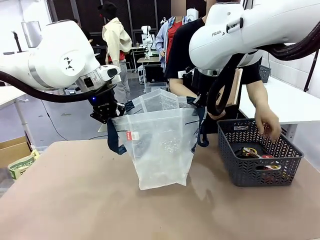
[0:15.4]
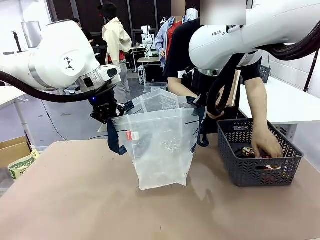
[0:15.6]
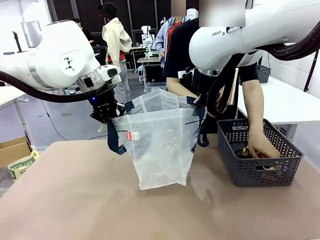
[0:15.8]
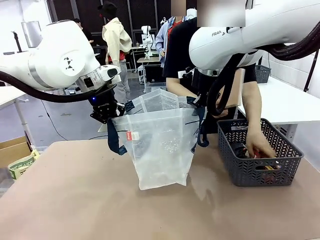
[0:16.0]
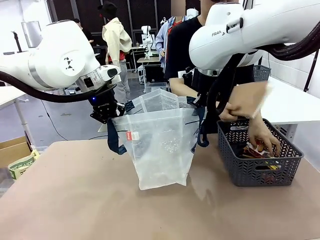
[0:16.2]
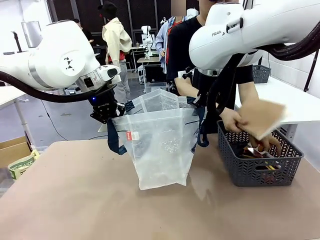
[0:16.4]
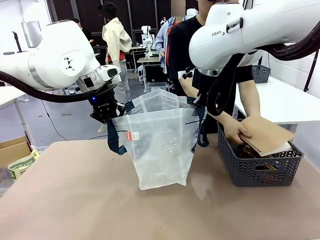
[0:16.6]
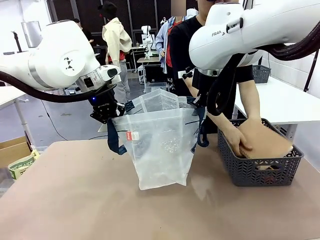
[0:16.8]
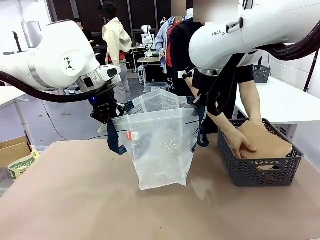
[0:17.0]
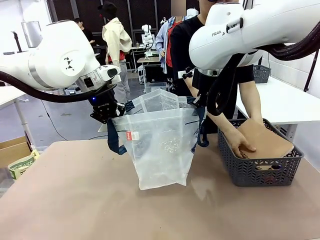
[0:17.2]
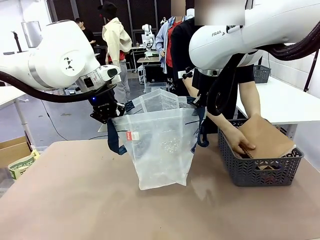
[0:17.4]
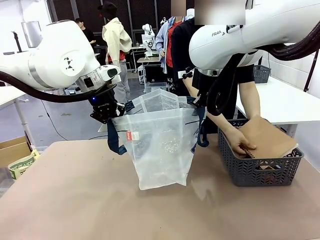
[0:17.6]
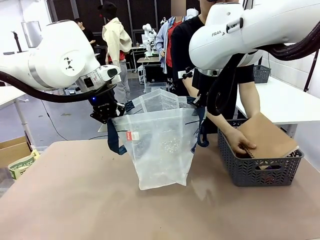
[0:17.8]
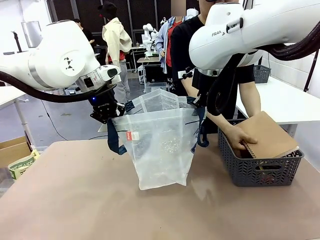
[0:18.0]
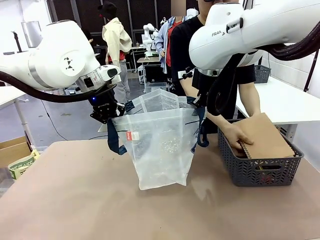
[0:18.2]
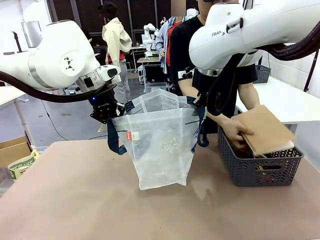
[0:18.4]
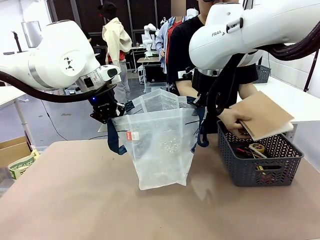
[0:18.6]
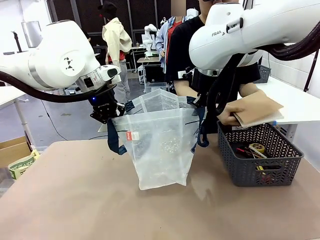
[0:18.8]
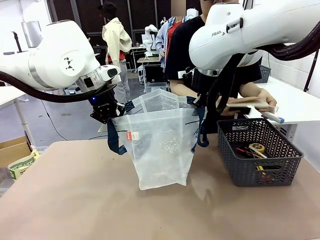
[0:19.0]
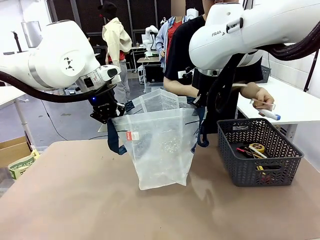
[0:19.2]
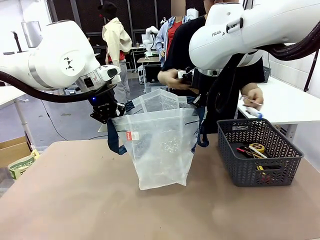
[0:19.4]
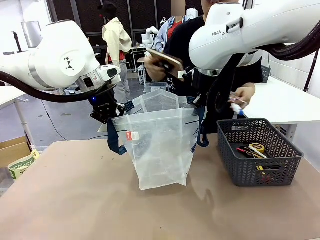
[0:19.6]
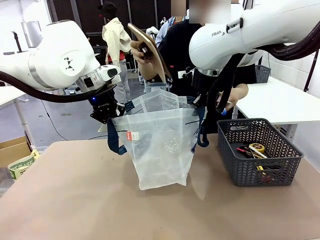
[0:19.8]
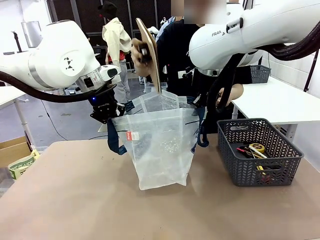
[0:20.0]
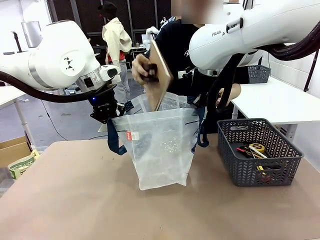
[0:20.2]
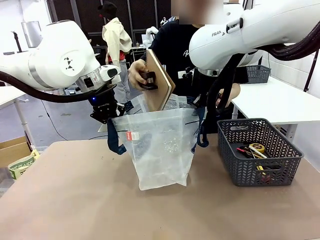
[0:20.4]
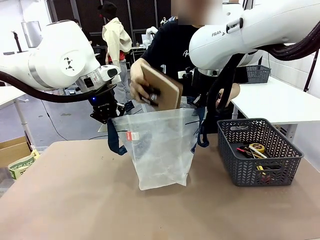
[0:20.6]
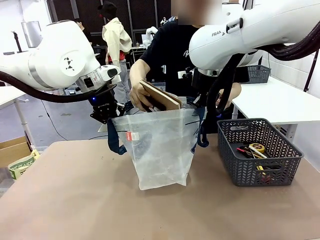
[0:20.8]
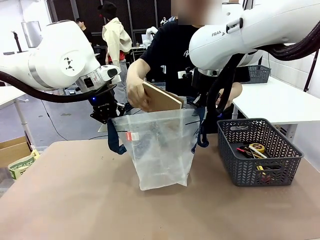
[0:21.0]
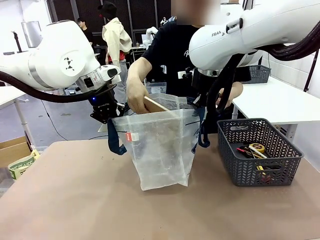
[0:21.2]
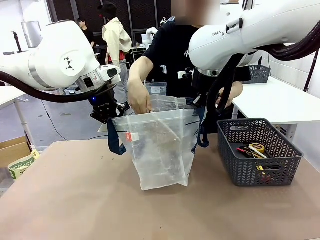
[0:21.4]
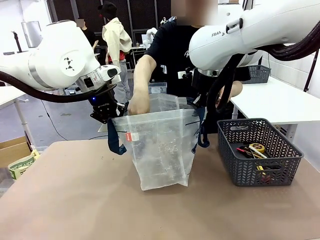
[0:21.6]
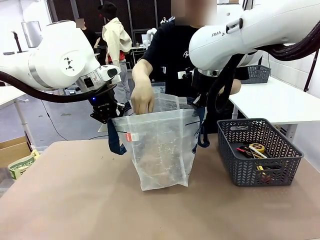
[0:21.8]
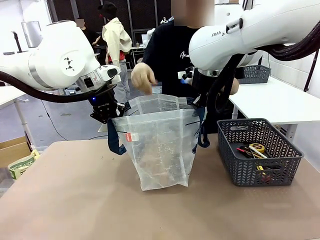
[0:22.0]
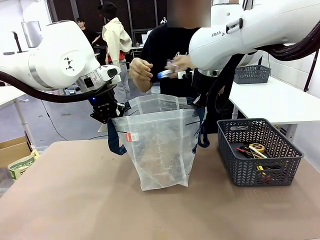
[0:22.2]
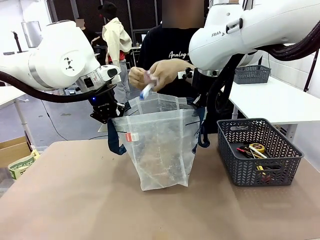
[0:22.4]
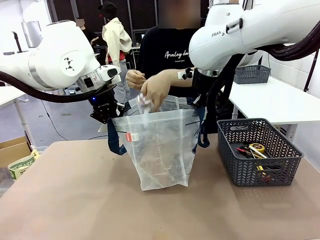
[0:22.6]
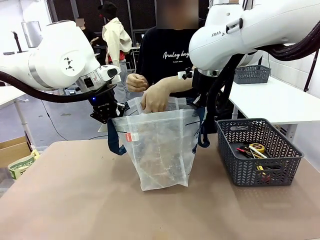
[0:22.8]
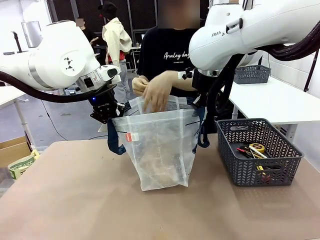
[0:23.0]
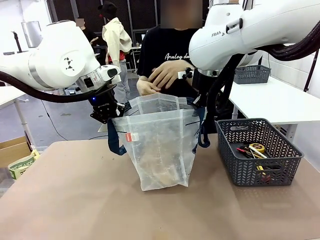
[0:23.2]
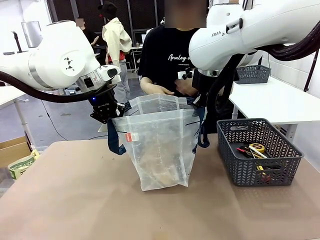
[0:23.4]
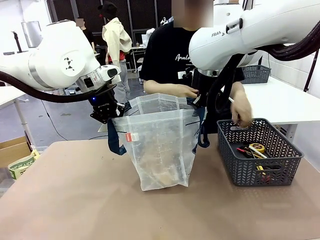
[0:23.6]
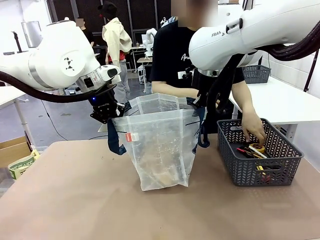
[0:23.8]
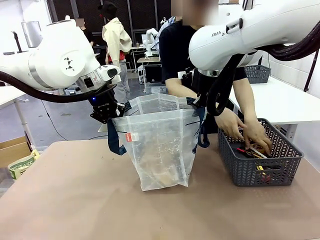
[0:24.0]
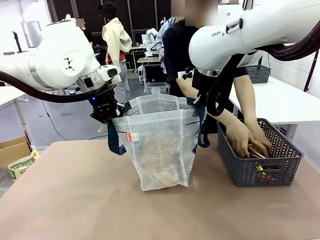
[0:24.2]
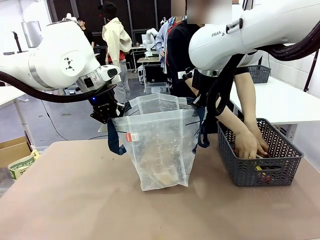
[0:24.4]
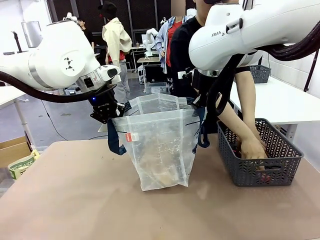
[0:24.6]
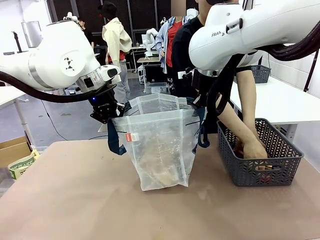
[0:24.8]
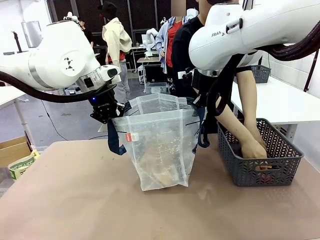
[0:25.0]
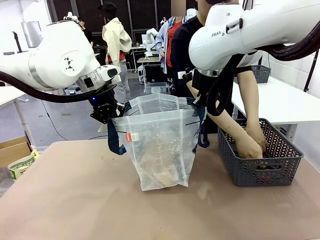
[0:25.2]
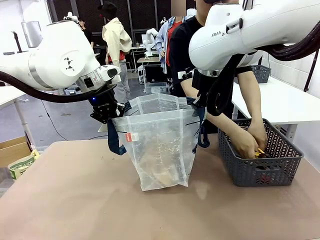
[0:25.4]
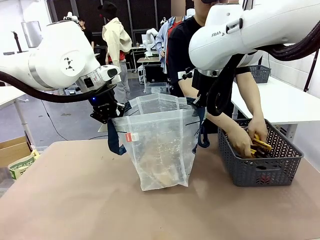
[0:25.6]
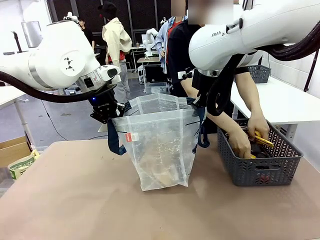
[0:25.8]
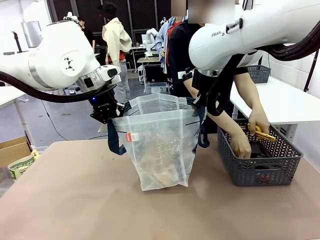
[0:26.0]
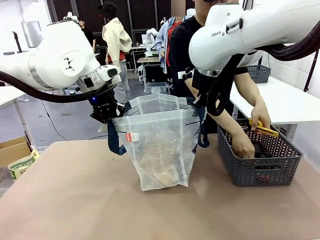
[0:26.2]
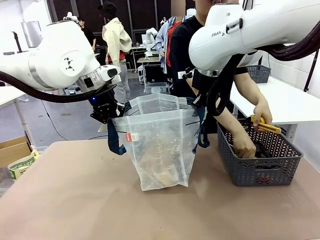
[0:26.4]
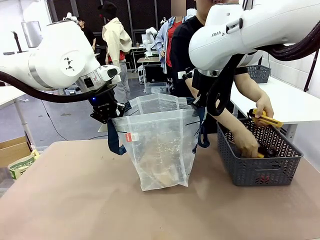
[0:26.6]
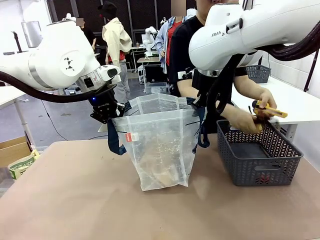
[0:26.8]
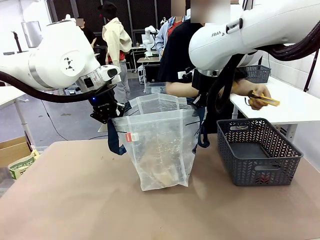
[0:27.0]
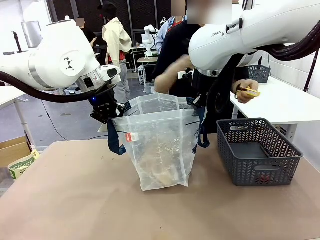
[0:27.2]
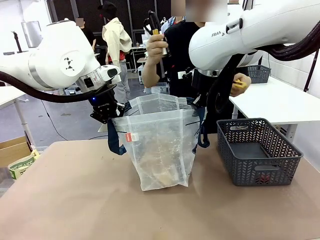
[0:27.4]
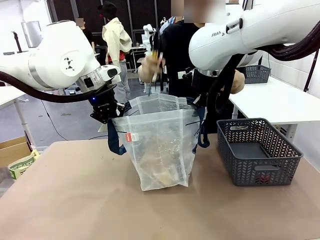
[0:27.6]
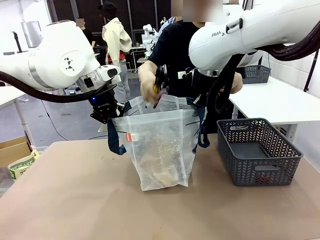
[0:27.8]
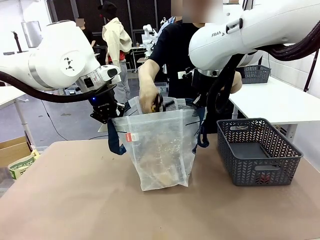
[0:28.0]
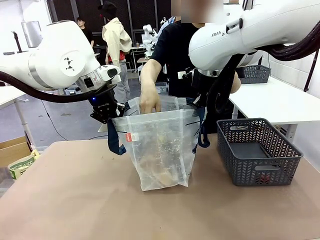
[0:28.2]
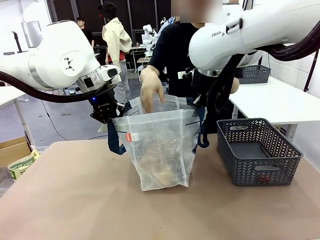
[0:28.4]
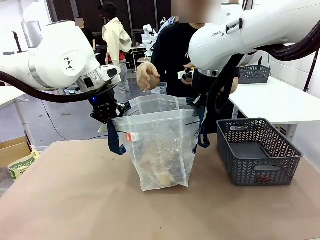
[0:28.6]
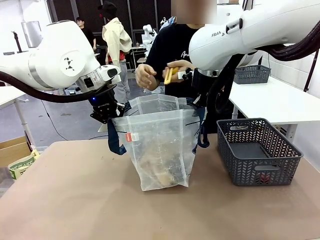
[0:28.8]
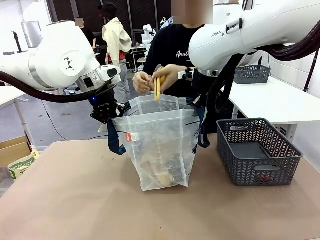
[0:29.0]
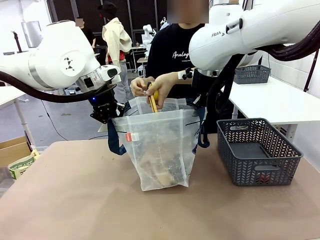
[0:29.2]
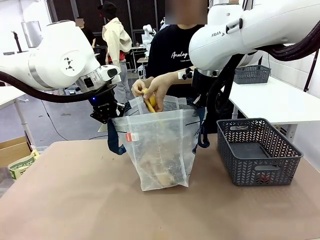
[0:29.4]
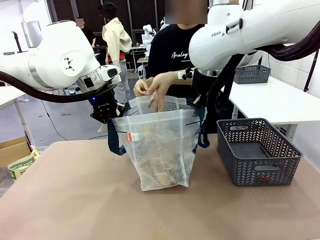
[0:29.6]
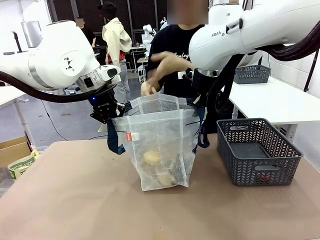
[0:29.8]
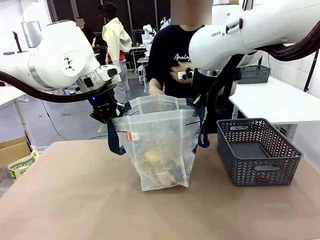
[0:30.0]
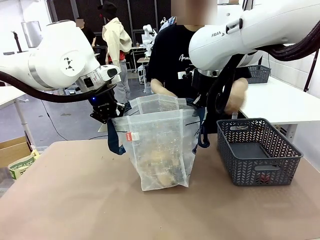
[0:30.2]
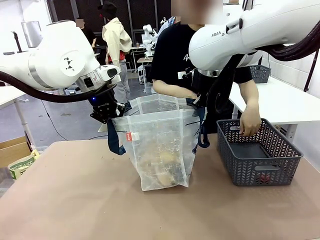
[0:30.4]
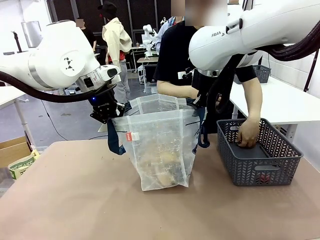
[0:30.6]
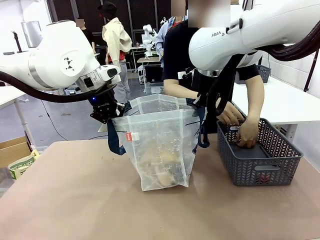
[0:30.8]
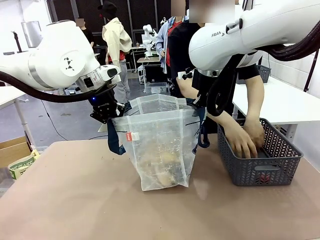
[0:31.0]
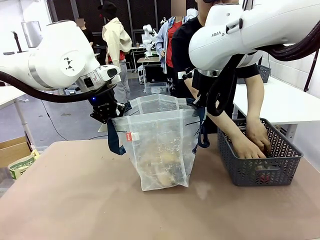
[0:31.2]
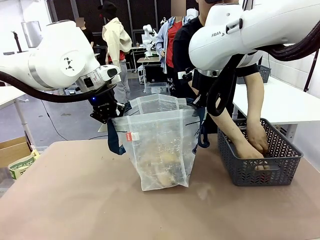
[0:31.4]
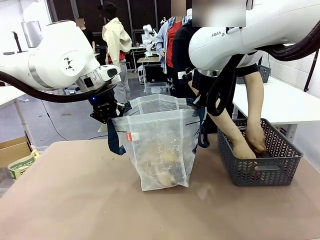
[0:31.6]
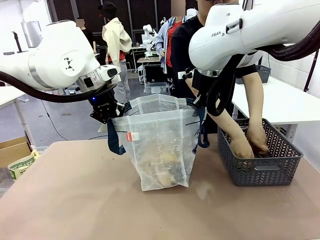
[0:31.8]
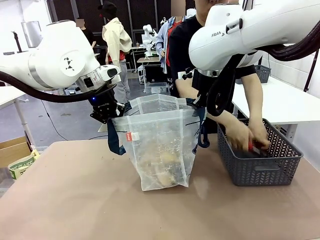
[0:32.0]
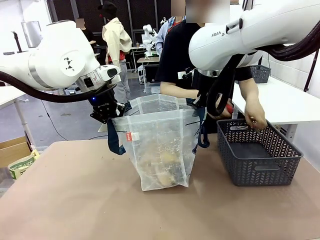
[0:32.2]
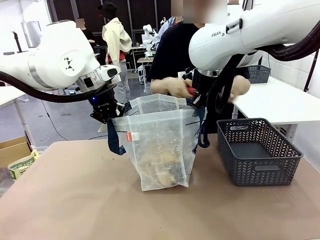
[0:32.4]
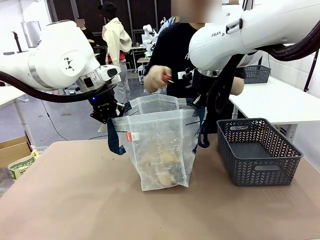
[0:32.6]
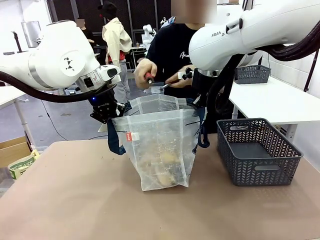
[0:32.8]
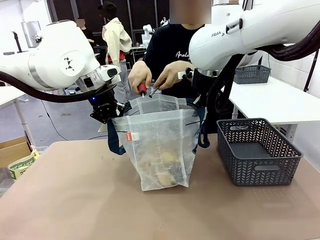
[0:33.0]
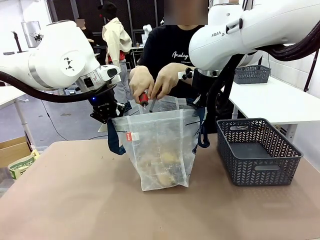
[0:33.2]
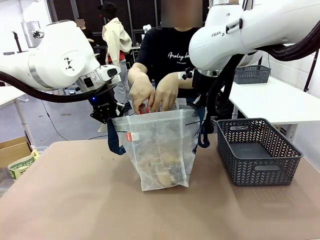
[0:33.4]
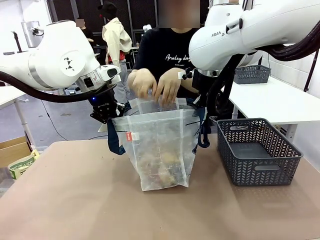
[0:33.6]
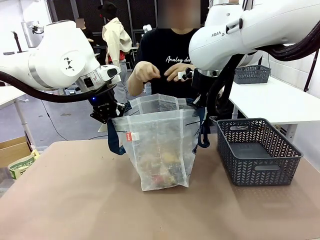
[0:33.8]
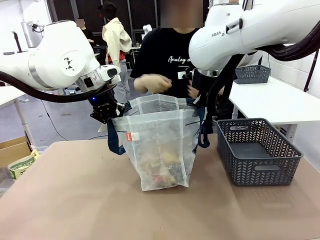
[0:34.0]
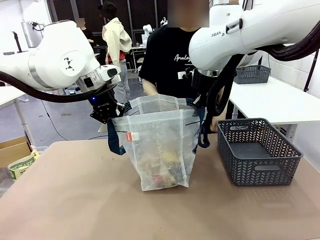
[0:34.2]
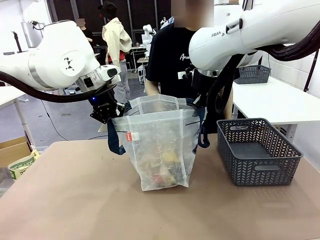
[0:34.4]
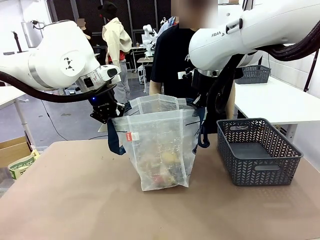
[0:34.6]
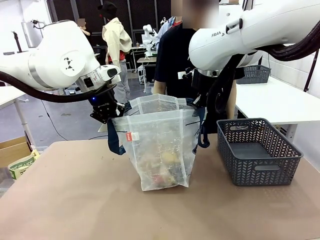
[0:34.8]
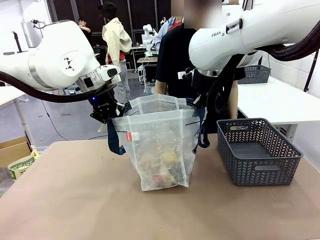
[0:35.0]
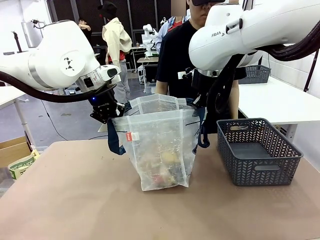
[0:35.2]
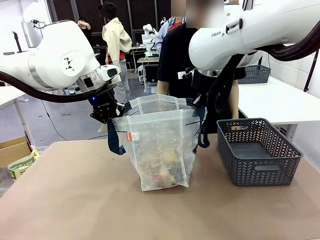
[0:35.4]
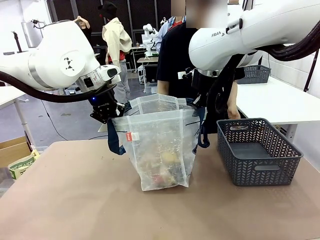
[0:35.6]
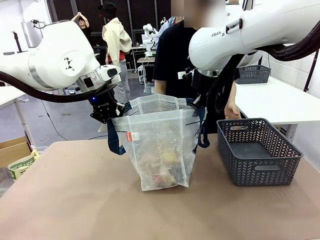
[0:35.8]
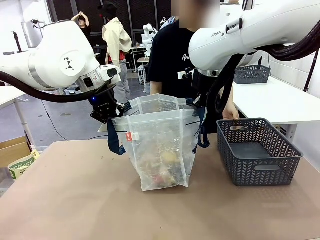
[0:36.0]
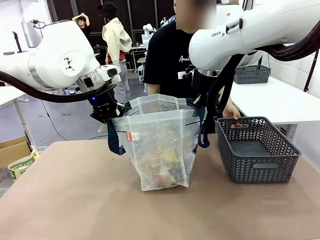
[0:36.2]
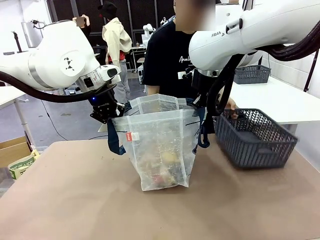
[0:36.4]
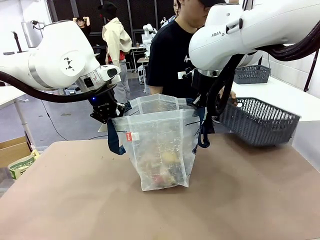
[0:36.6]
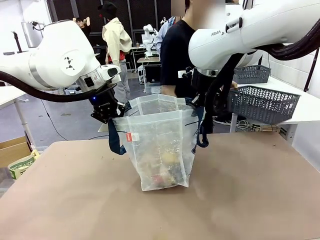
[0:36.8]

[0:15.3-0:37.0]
Task: Transfer purchased items from the store into the shopping bag.
Robot: Move the Reusable shopping bag to the right side of the table.
Person: Pick up the basket on the right, place it on the left side of the robot table, and move the items in the basket to the shopping bag. Pick up the basket with the items out and place it on the right side of the human table.
